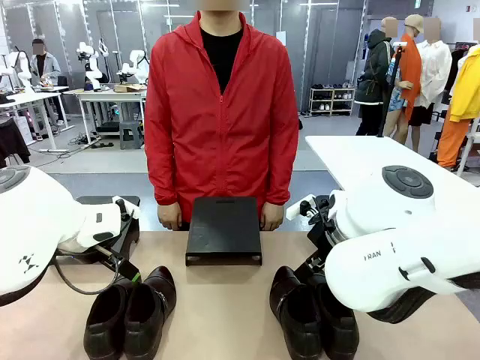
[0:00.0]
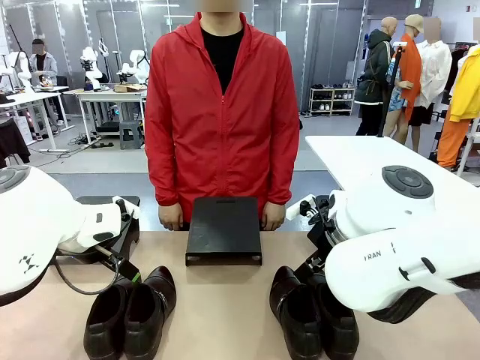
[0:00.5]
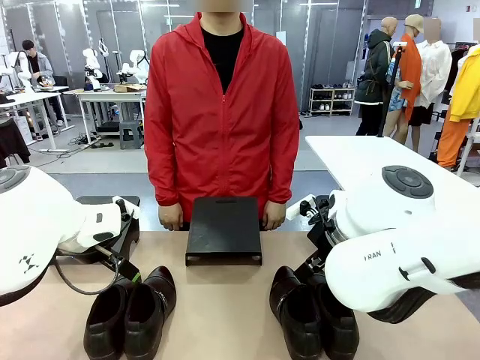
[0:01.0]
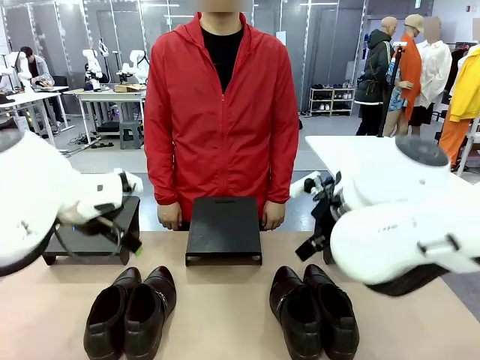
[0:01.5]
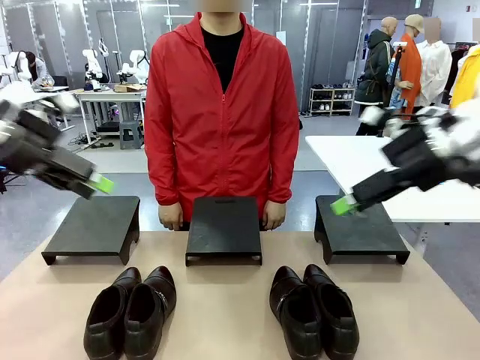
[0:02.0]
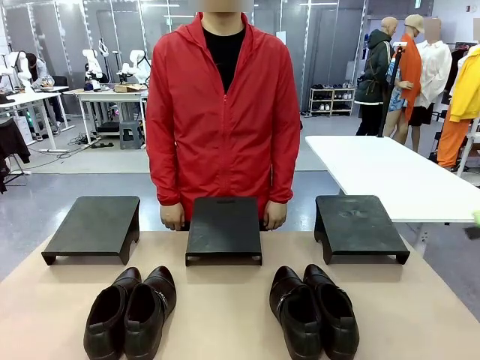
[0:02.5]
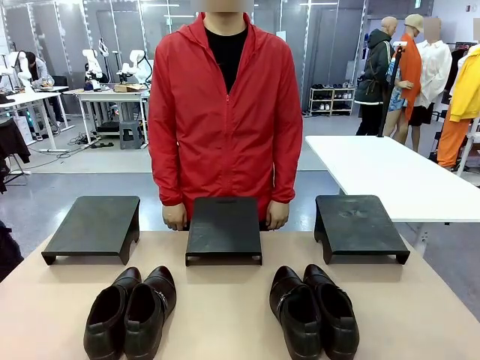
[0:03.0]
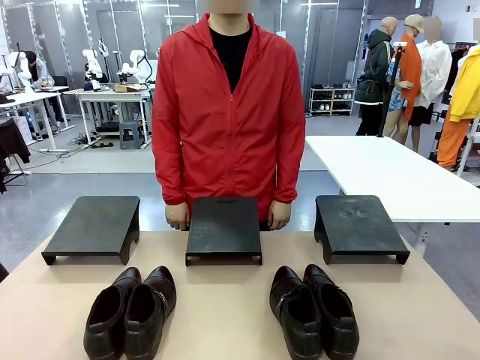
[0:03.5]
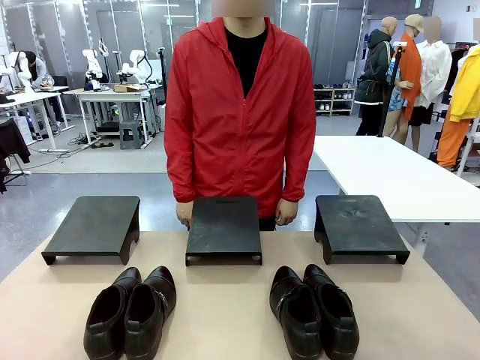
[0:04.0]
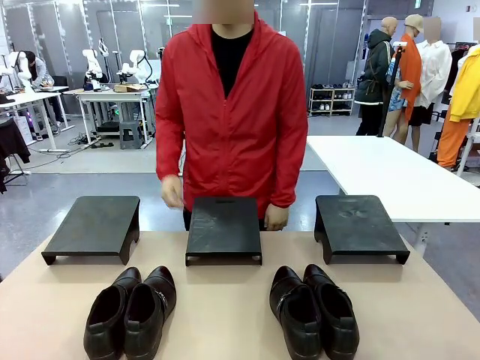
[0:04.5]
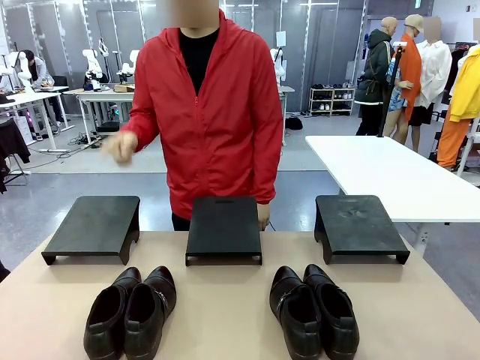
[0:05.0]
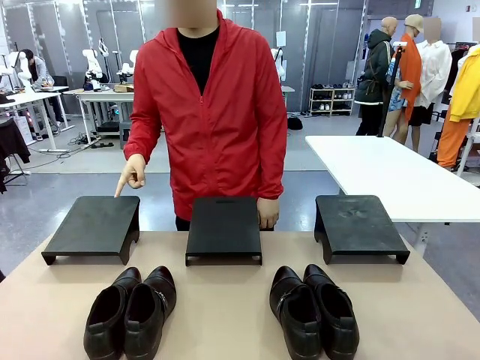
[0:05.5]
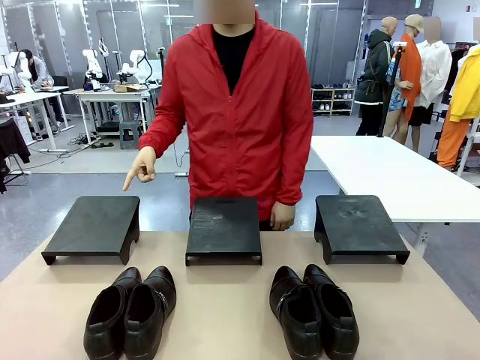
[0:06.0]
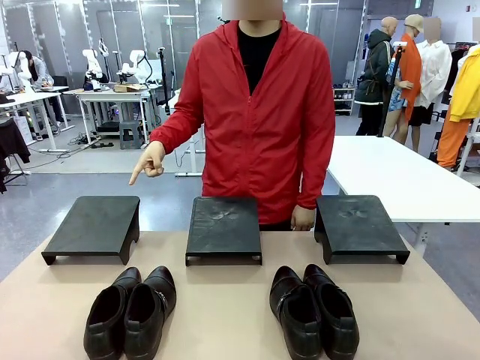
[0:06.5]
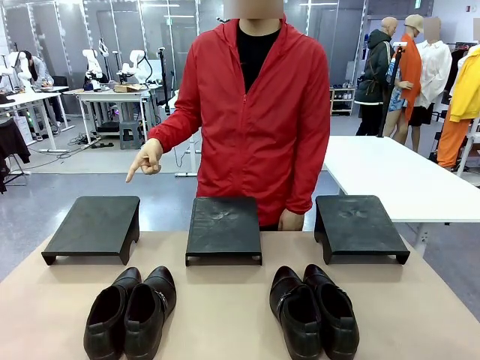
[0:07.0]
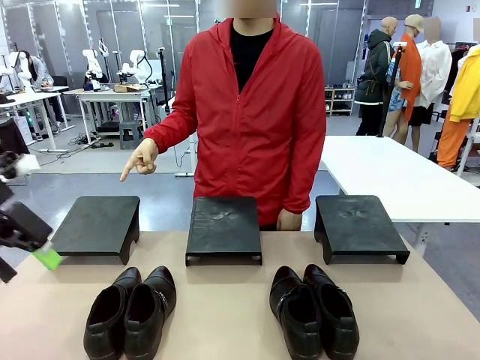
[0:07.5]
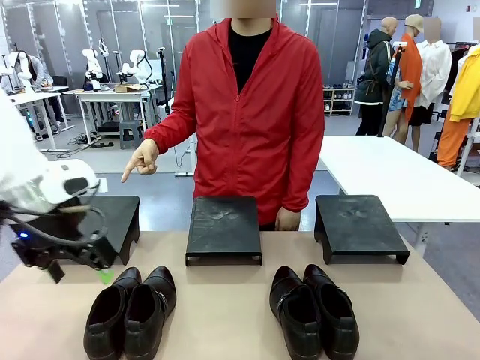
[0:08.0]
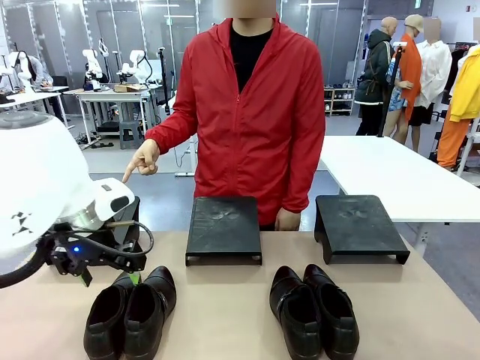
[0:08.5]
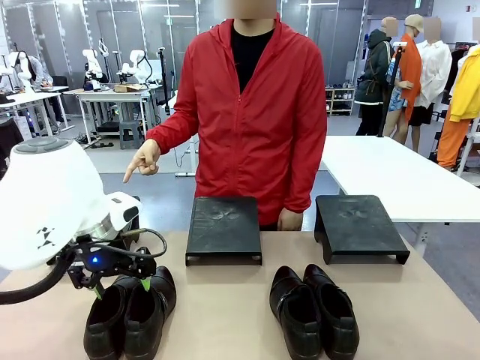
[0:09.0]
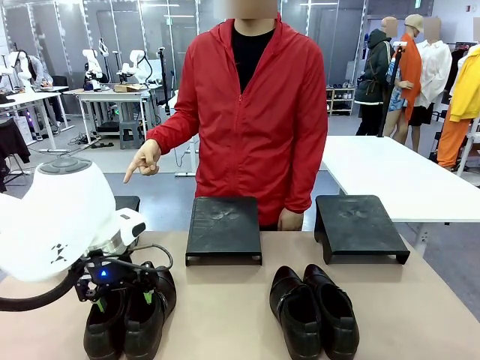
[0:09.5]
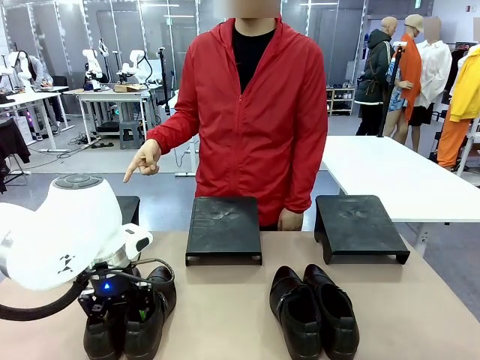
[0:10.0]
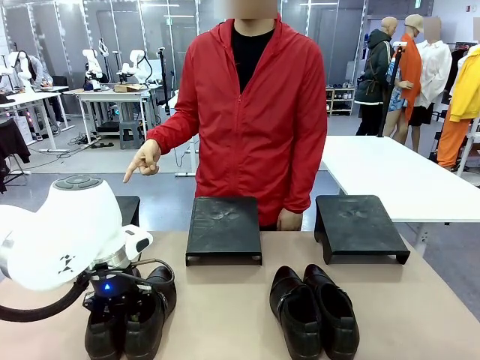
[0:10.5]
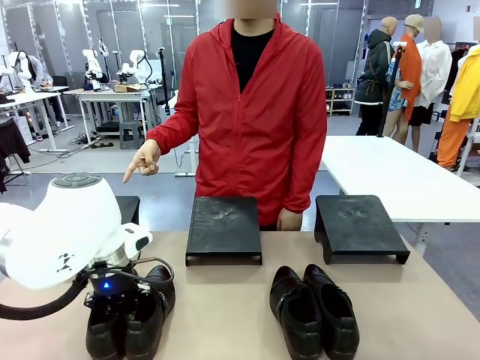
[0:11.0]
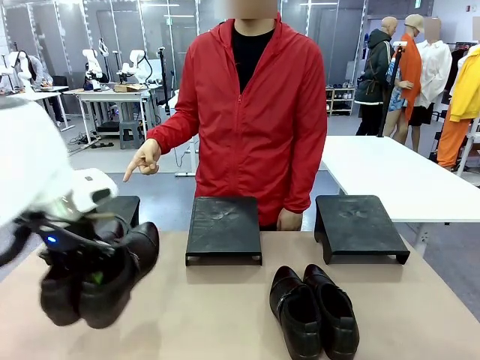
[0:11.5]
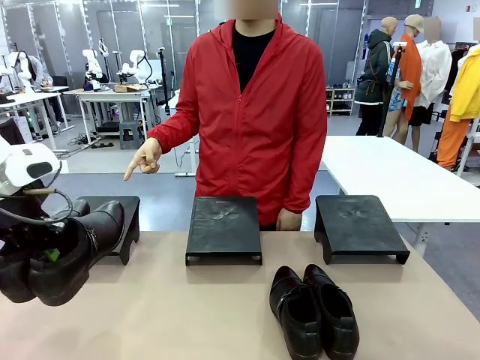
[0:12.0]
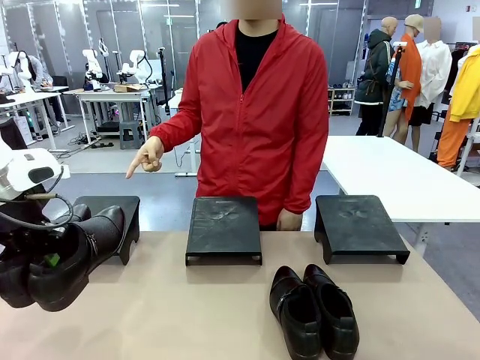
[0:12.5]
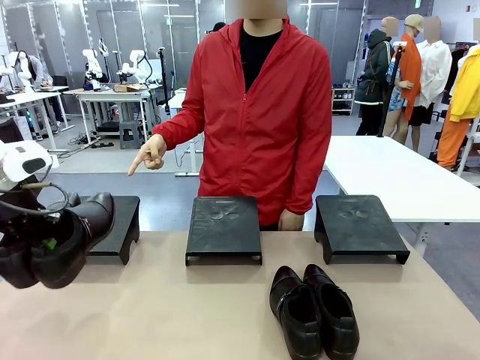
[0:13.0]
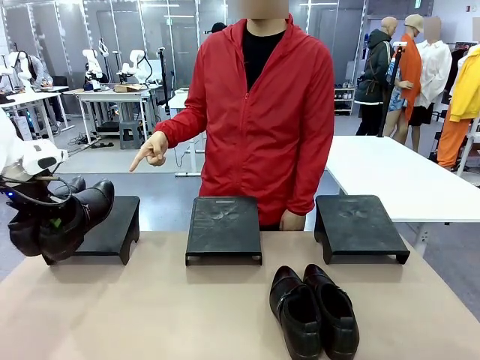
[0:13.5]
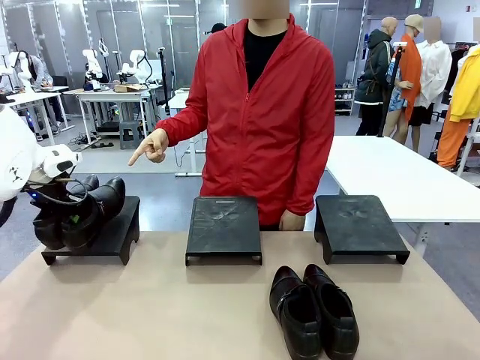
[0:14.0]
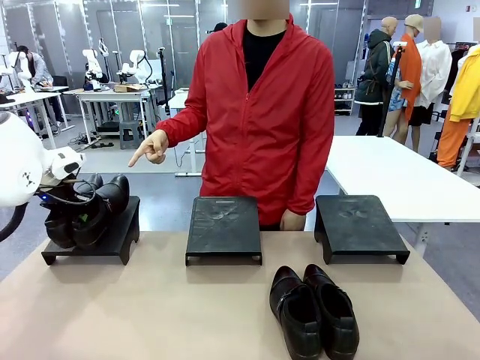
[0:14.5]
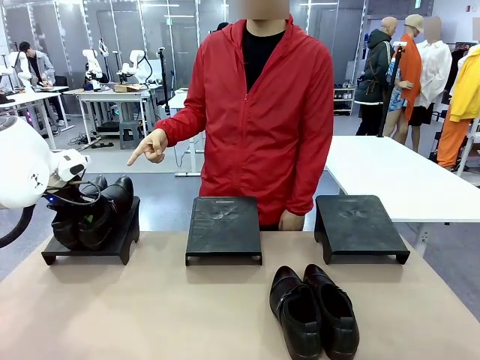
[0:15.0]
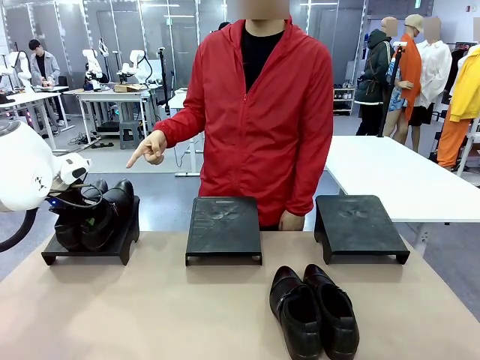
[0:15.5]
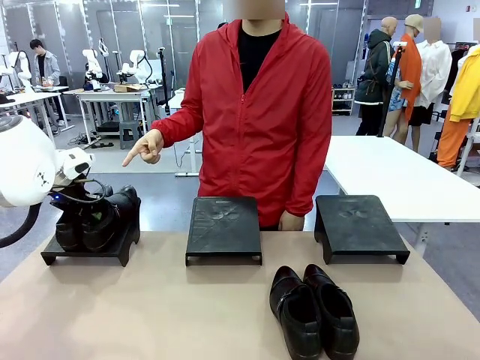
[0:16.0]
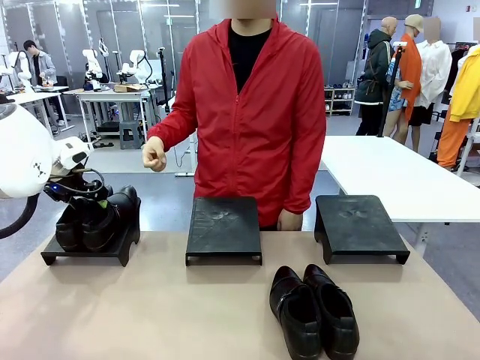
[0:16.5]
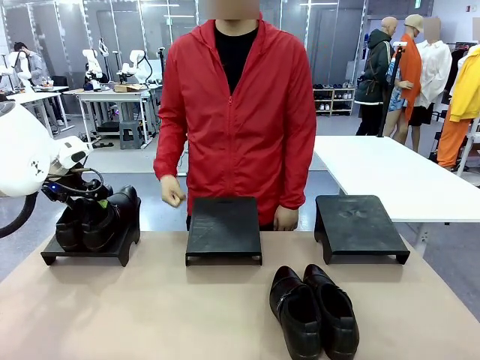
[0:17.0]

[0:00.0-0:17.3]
Task: Place the shoes on the stand as instructed by the person.
Robot: Pick up one pair of Shoes and place it on the Shoes Stand indicated by the person.

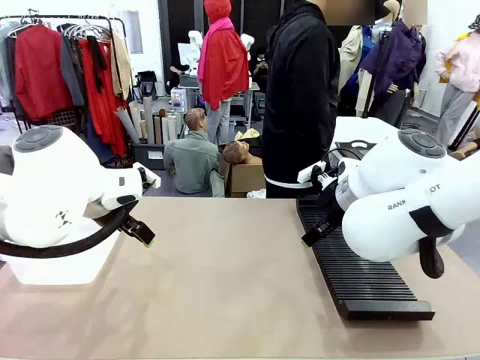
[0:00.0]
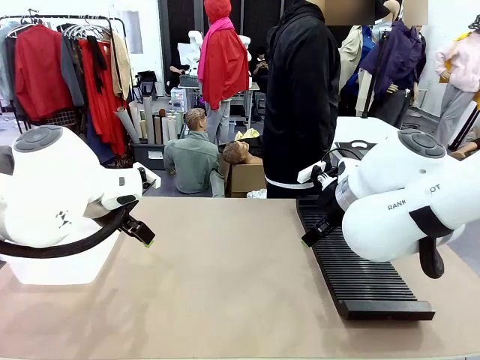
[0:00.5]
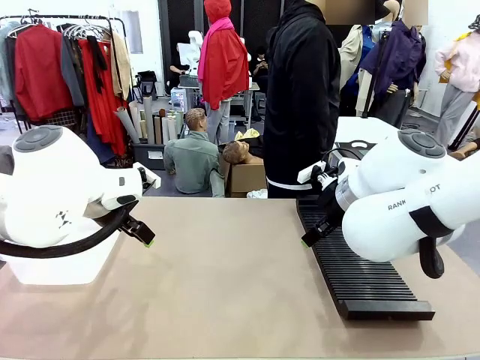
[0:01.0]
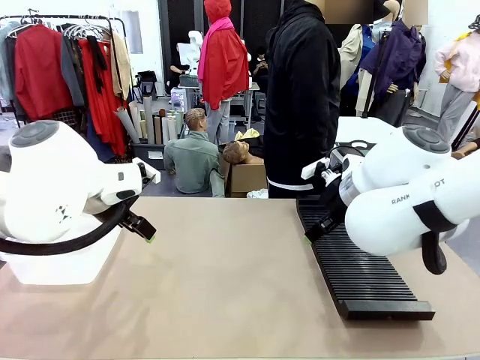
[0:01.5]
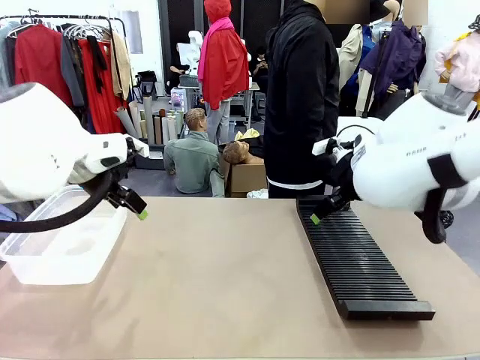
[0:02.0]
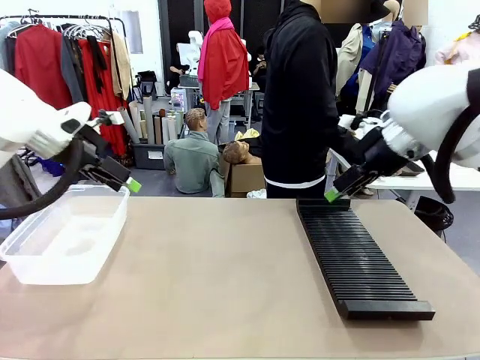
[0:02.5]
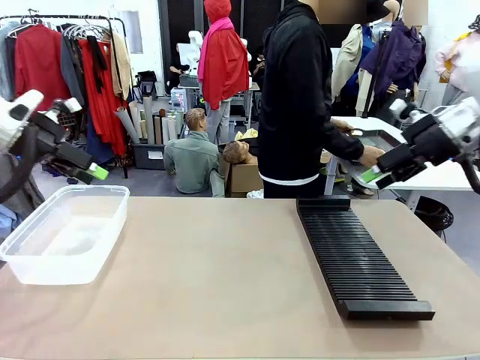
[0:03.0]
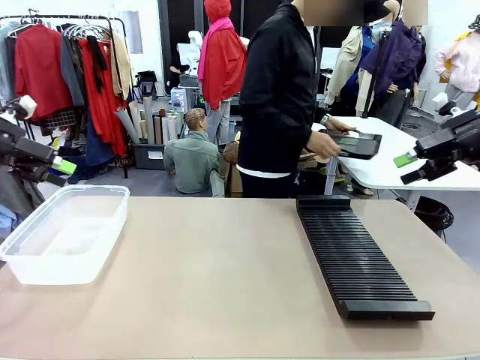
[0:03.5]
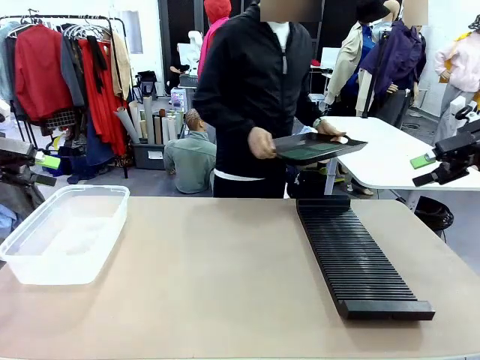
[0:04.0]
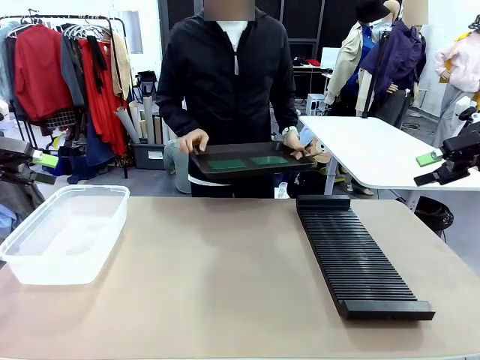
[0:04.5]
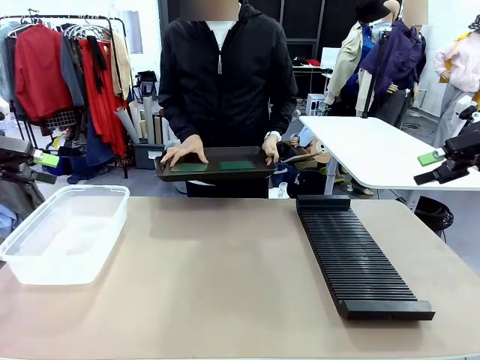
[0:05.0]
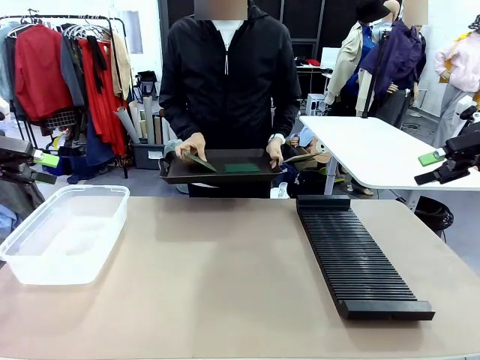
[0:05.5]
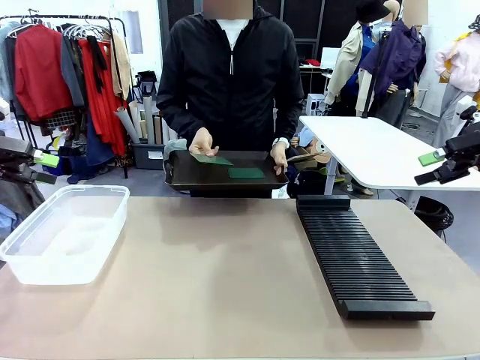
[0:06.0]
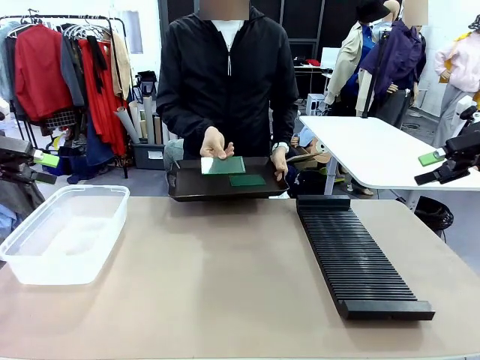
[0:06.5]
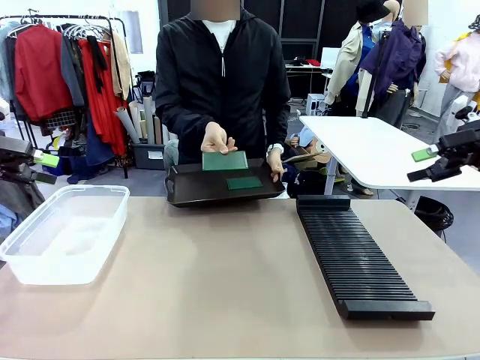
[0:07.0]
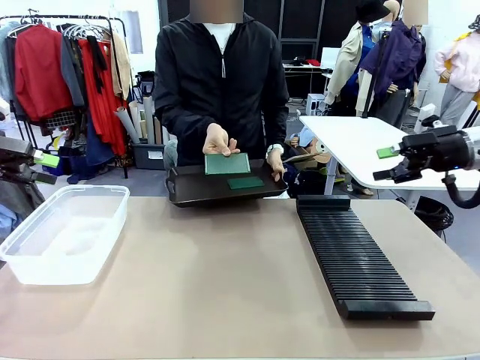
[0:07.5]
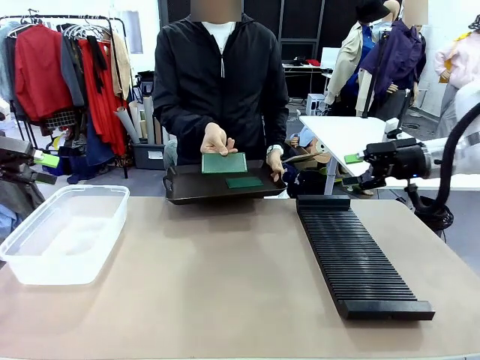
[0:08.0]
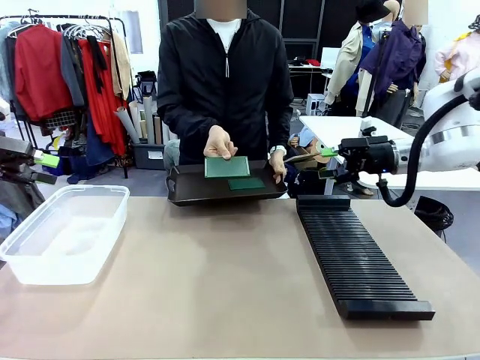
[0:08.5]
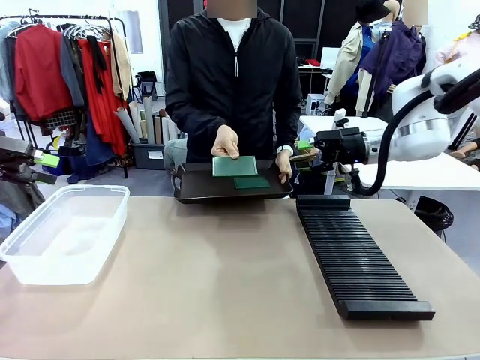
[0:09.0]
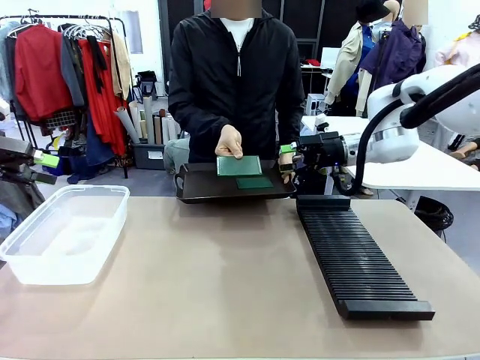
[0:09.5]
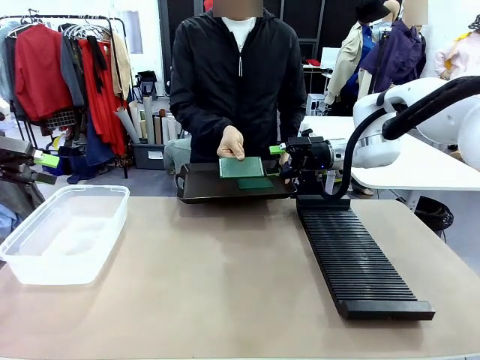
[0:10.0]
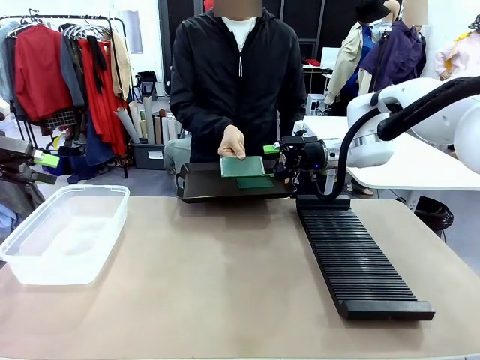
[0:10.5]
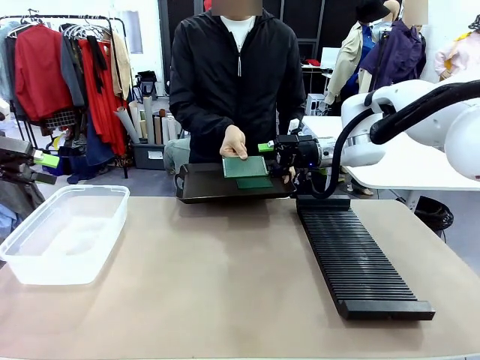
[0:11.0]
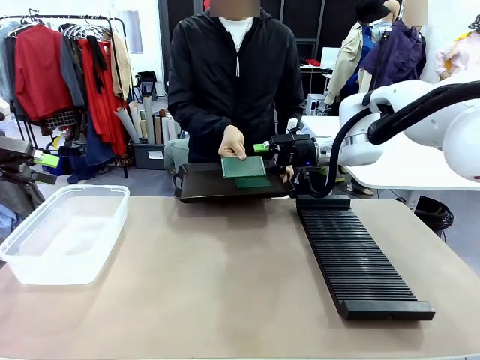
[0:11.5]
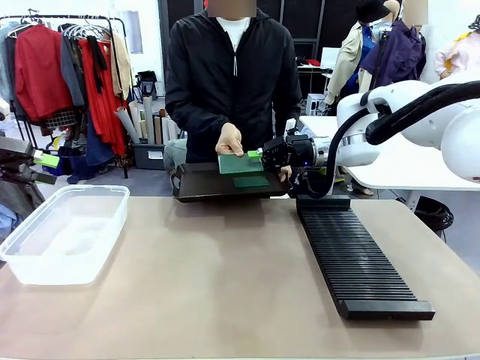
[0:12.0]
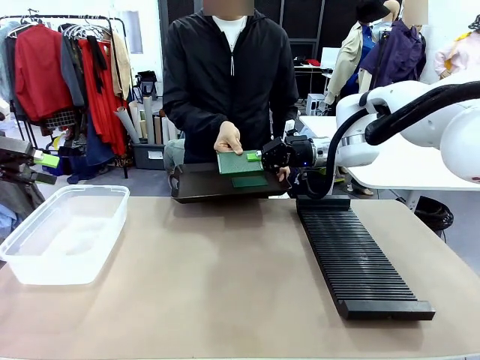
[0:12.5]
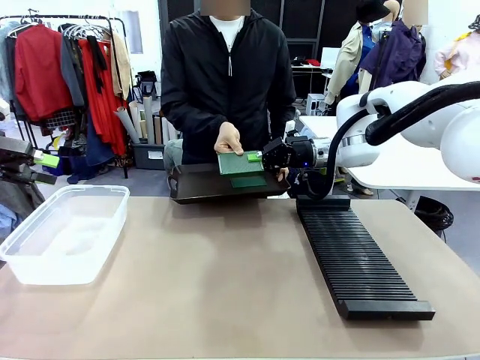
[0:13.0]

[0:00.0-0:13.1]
Task: Sort PCBs into racks and boxes based on the side picked up.
Robot: Pick up the Blank PCB handed by the Human.
Person: Pick one PCB from the tray and present it to the robot. Release the PCB being held.
